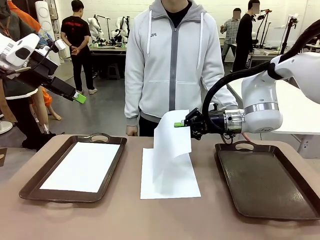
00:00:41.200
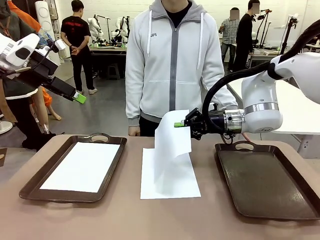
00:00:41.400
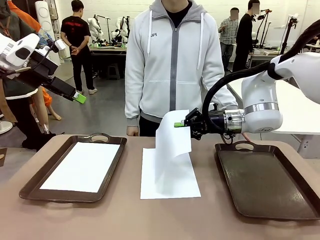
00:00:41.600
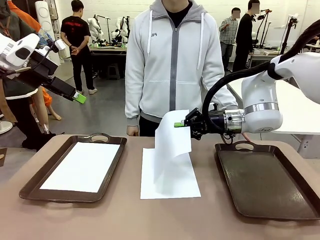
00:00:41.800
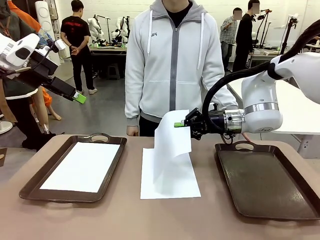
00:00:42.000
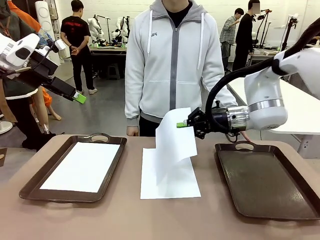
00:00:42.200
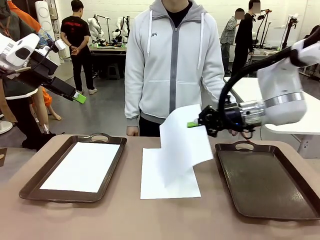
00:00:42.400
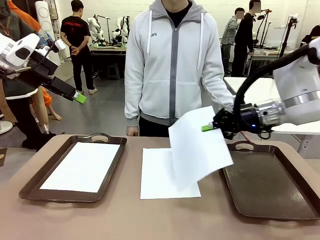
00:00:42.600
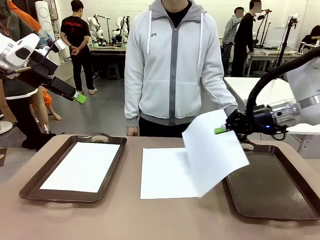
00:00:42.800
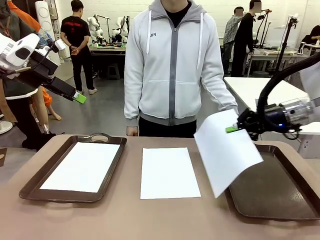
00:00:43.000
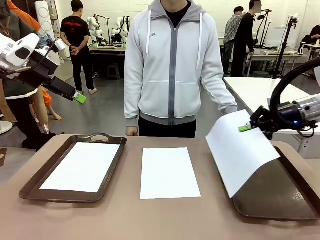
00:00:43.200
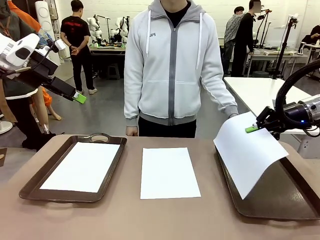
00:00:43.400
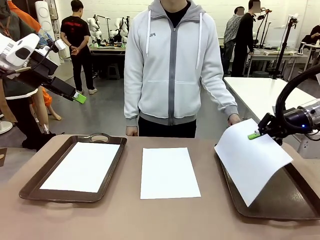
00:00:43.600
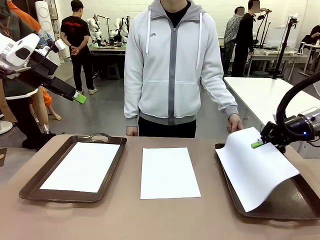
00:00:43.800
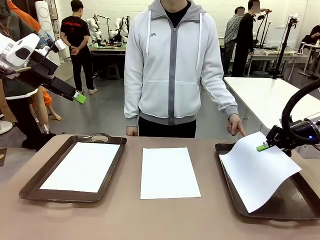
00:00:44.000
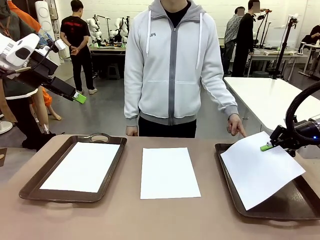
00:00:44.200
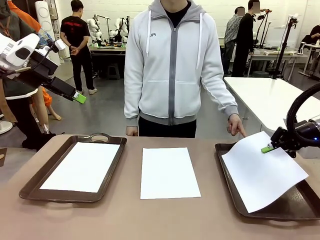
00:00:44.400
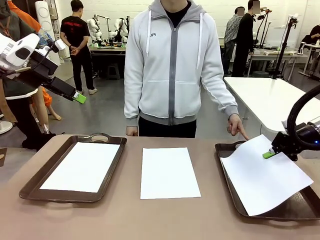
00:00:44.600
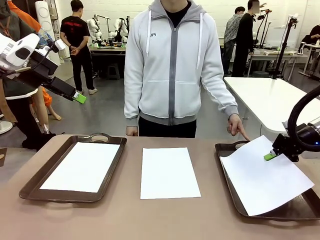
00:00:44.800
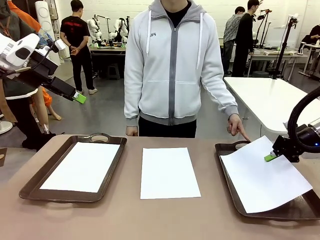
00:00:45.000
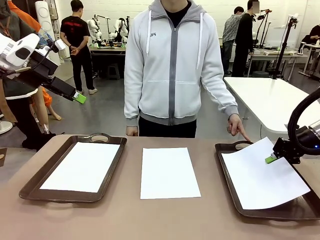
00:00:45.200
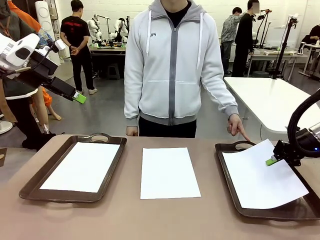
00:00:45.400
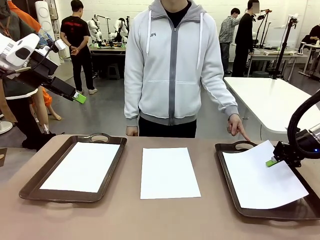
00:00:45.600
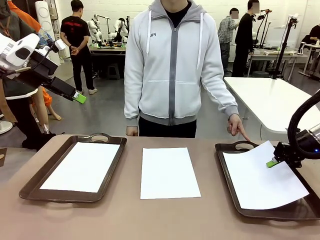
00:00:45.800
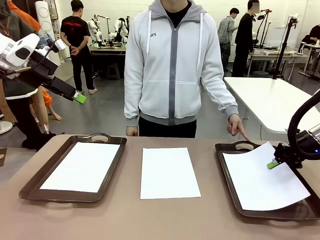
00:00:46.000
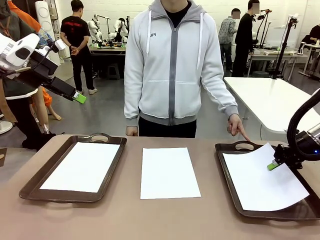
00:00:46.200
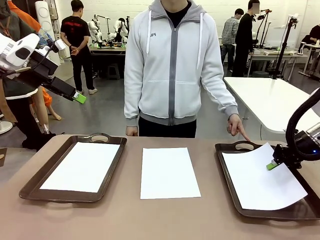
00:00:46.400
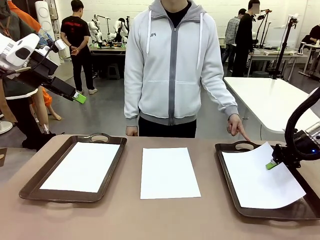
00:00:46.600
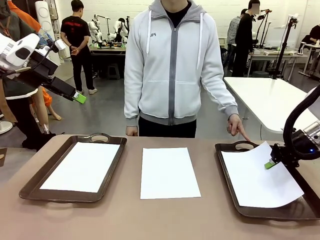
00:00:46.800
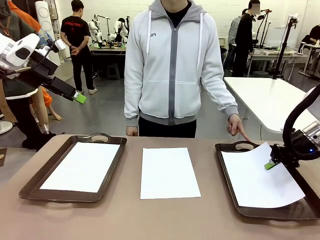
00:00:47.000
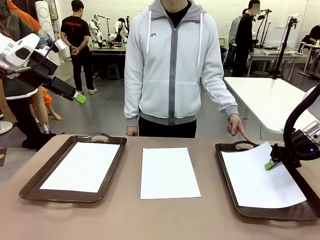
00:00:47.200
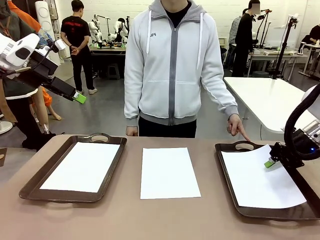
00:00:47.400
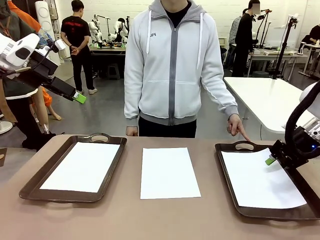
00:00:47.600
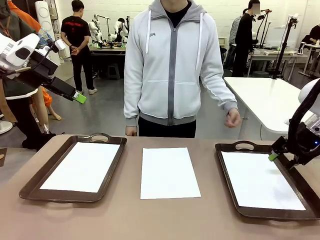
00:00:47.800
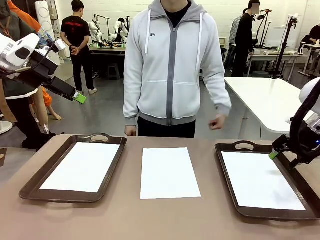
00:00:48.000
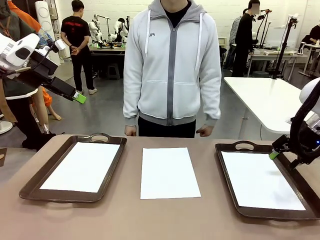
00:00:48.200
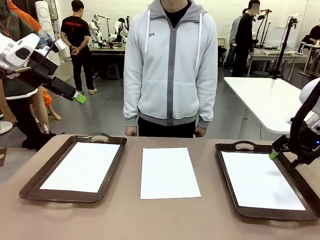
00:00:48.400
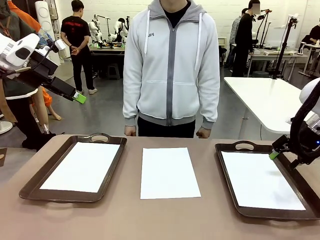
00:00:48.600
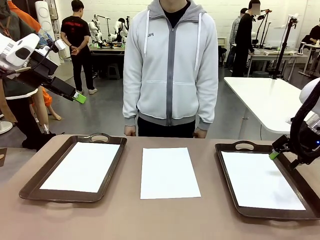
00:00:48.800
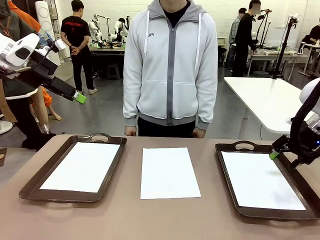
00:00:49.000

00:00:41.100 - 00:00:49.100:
Task: Sort the A4 documents.
Robot: Place the A4 Paper in the designated Handle tray.

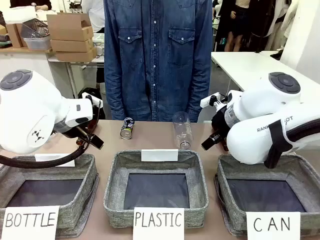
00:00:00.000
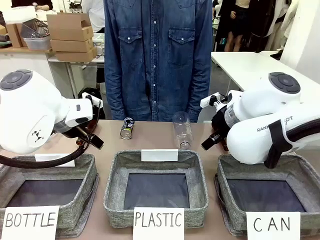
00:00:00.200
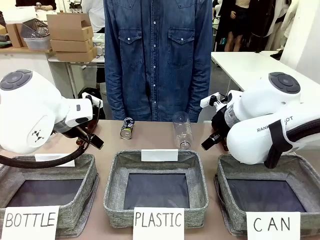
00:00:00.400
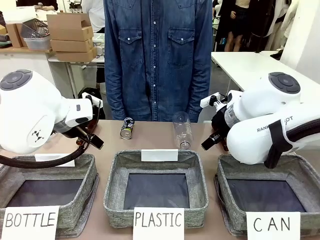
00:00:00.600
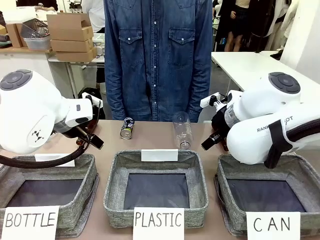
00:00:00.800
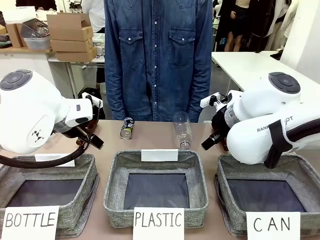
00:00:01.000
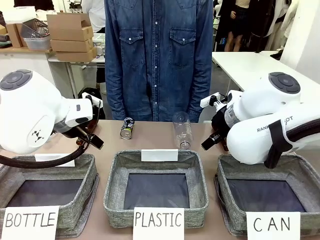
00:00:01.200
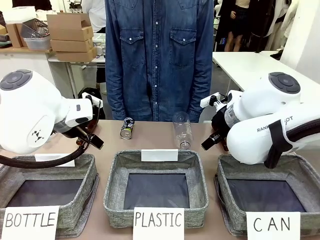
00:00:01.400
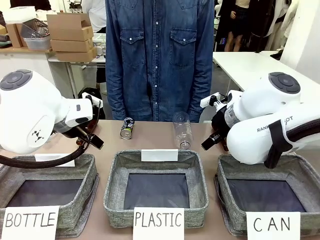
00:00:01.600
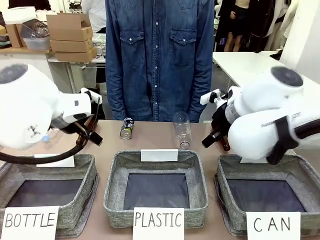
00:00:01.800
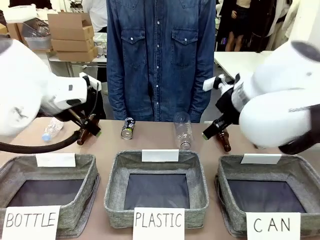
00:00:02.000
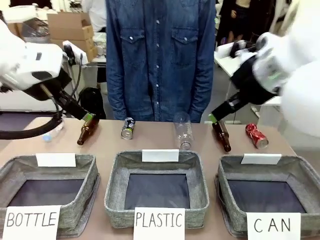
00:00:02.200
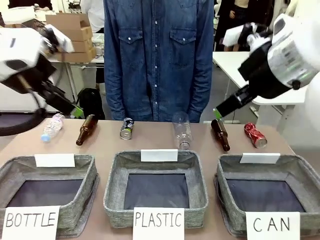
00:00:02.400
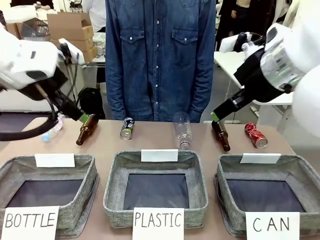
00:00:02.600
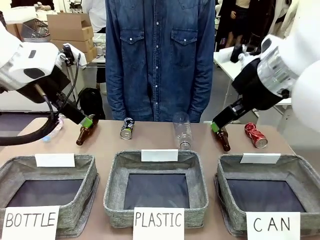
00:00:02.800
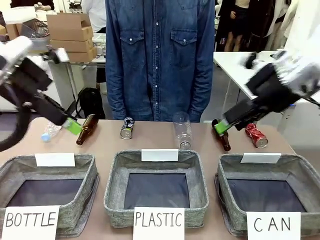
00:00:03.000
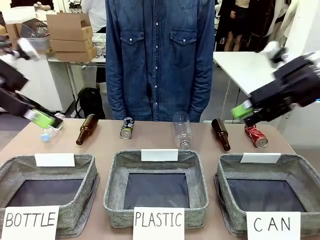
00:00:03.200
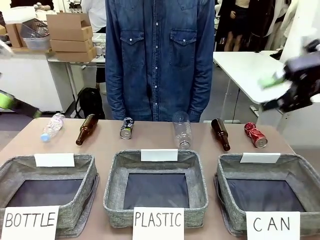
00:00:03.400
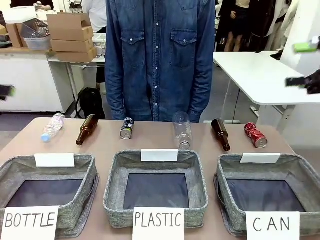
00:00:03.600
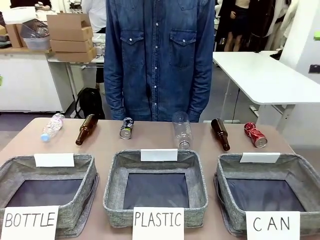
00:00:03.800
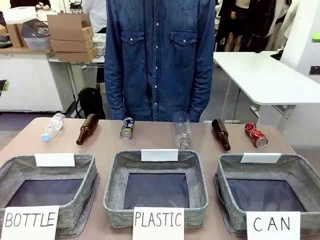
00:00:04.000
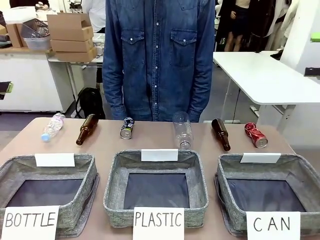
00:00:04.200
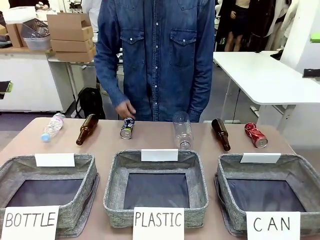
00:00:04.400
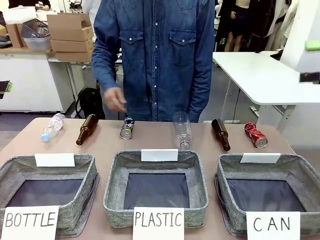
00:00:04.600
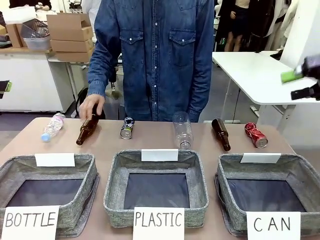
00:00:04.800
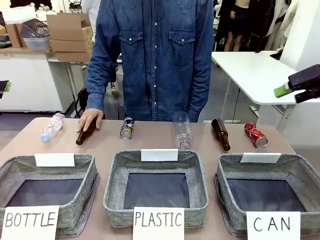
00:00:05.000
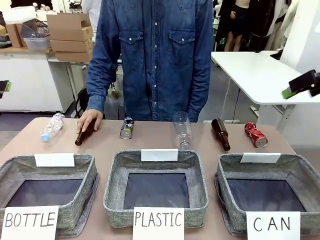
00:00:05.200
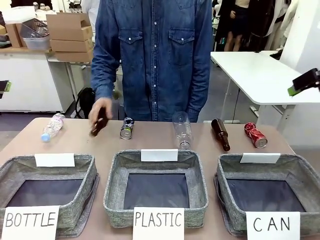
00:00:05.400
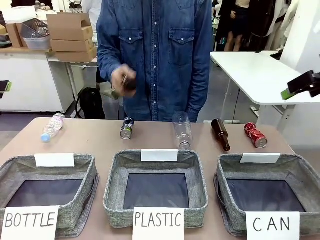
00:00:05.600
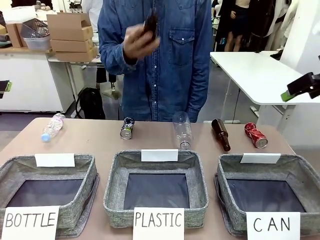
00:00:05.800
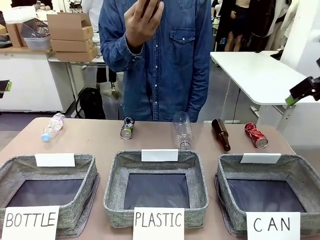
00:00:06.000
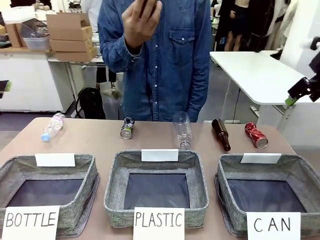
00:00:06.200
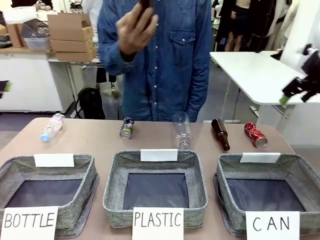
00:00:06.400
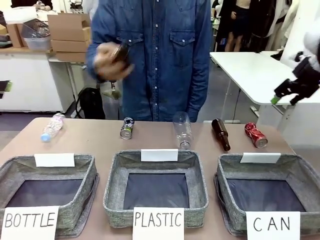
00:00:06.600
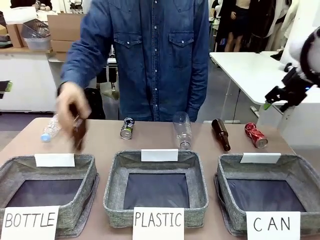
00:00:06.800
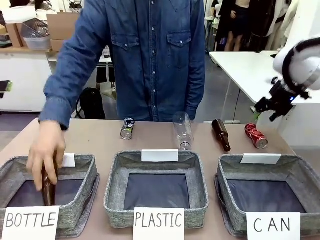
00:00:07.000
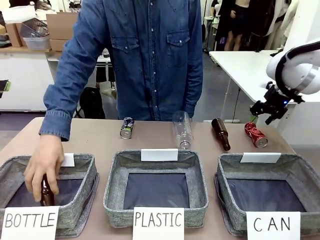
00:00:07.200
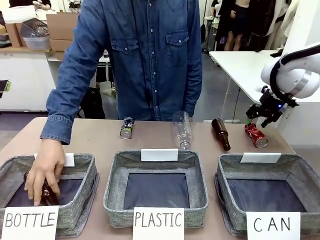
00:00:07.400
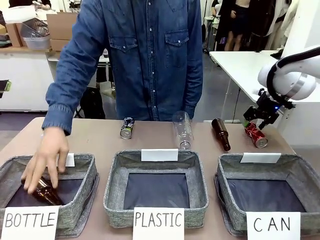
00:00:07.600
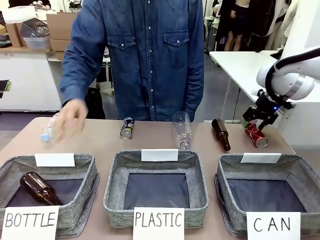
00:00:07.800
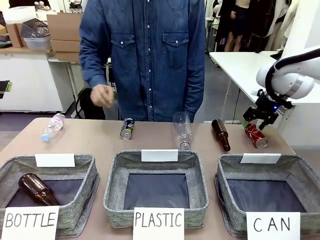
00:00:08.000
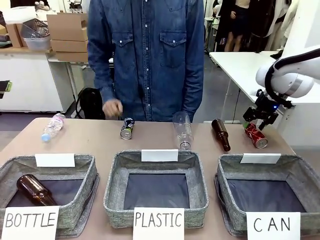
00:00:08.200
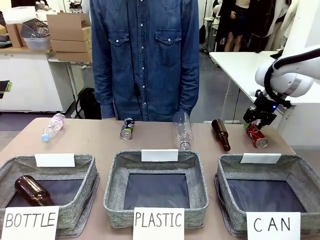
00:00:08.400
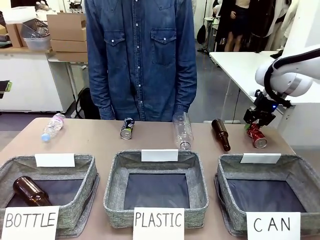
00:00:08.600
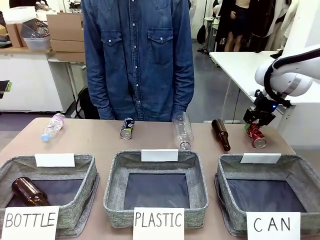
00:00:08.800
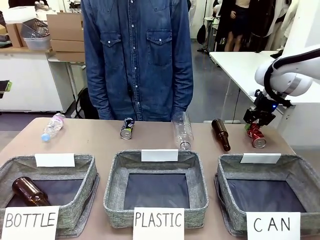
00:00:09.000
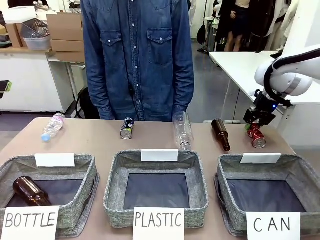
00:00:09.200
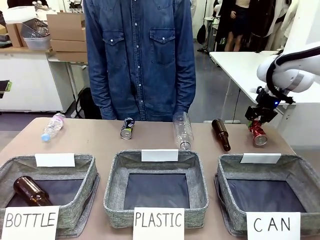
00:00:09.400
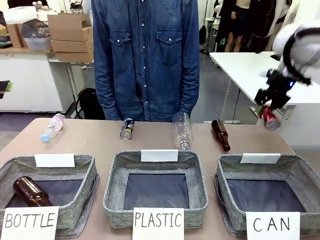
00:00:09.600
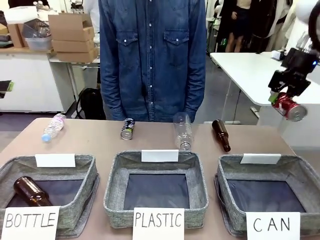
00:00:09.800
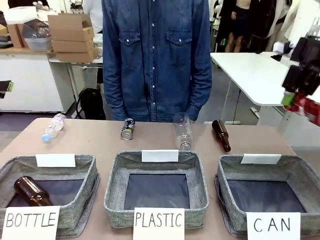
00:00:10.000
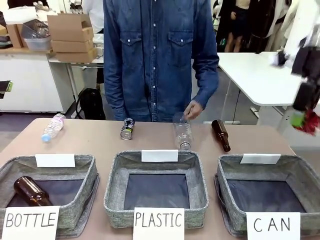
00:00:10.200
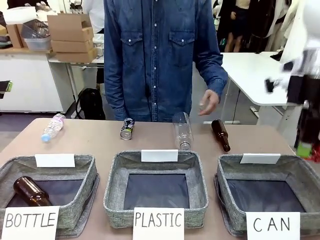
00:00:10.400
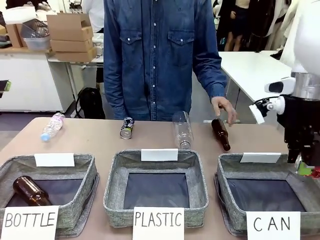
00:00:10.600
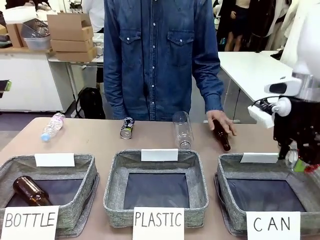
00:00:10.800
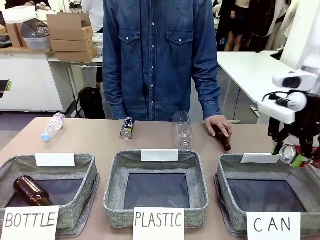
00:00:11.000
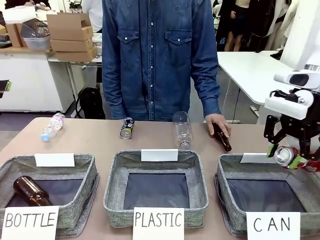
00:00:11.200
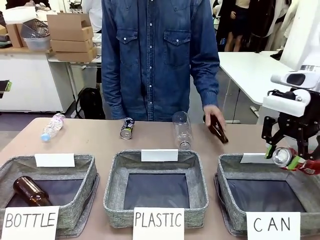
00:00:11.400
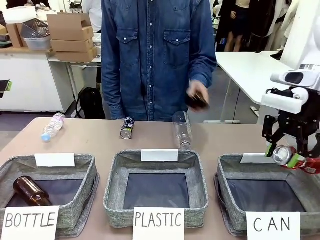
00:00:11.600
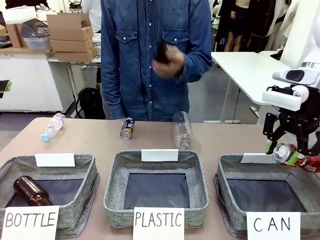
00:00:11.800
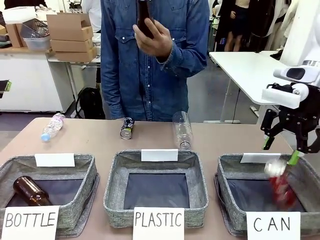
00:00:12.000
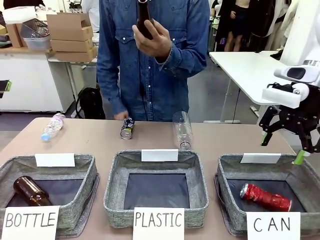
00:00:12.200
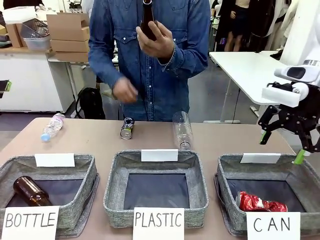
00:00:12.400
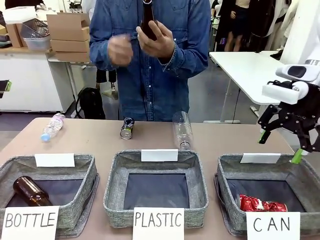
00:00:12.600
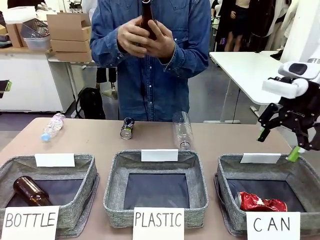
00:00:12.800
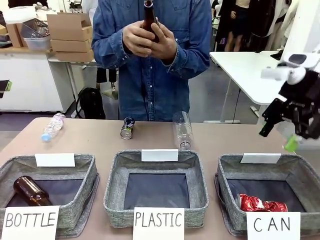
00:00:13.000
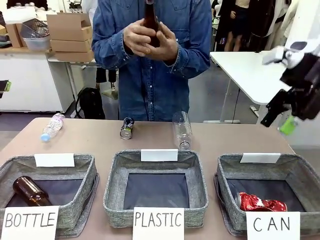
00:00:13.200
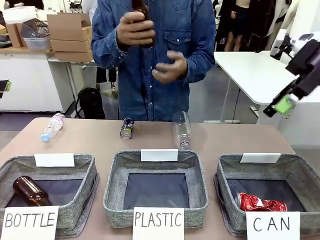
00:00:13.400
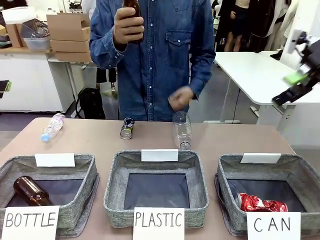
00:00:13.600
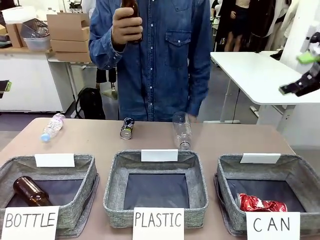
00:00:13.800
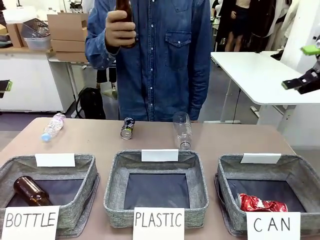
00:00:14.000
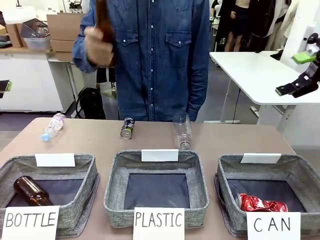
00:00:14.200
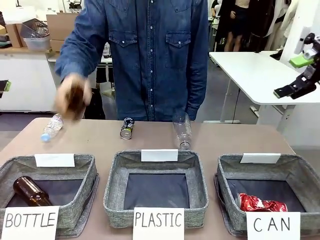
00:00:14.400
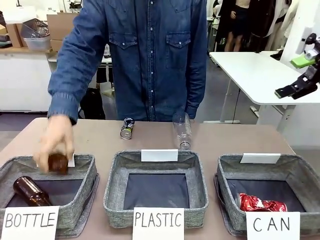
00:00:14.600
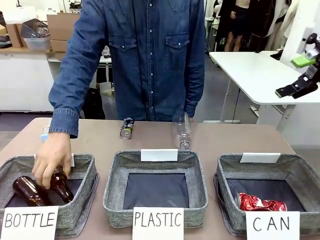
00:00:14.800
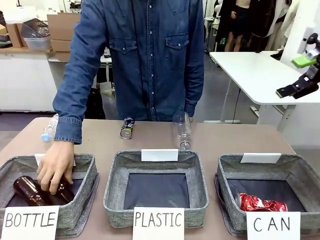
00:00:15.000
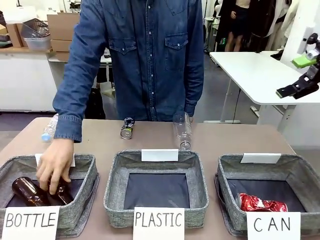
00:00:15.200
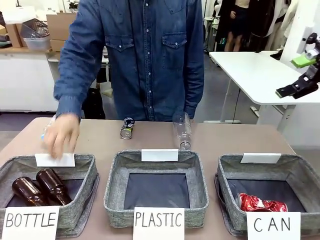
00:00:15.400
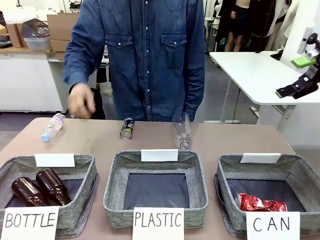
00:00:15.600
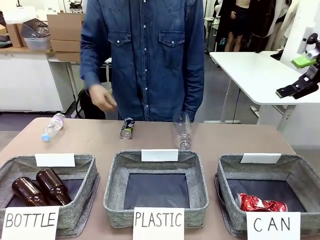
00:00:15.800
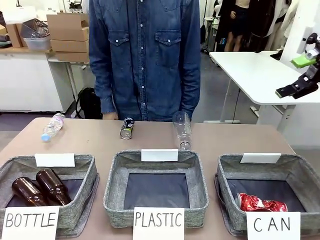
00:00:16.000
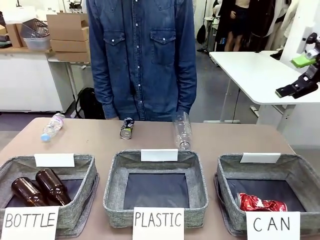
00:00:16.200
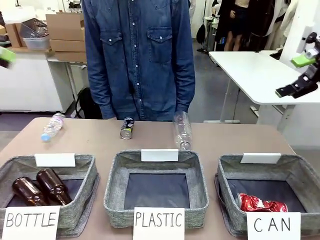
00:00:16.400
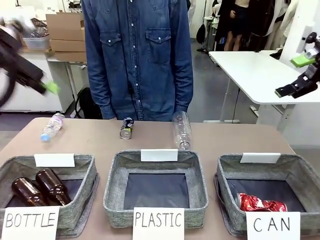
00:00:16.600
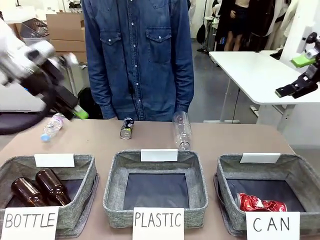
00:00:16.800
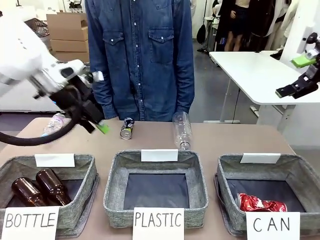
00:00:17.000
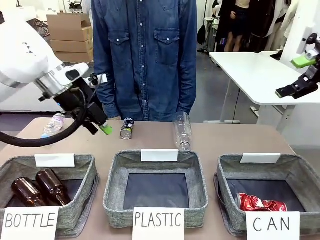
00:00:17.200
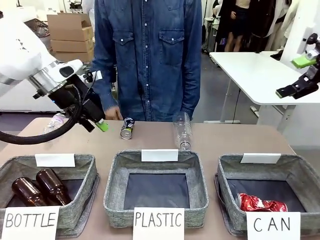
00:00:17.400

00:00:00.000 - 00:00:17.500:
Task: Sort the can waste into the basket.
Robot: Pick up the can waste from the table and place it in the right Fabric basket.
